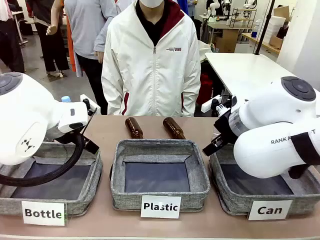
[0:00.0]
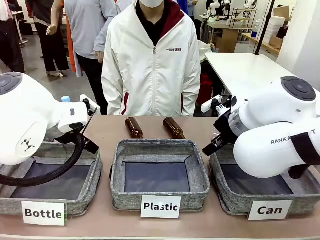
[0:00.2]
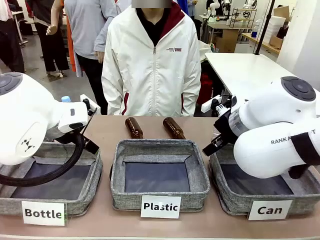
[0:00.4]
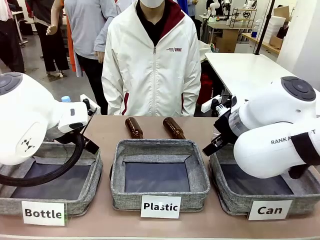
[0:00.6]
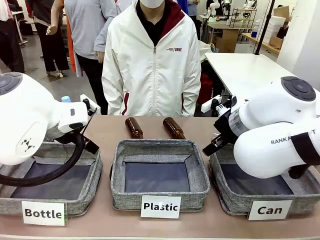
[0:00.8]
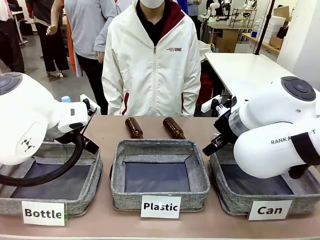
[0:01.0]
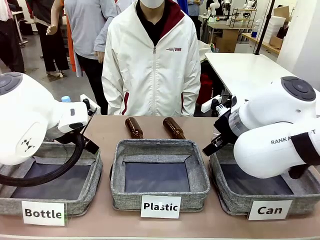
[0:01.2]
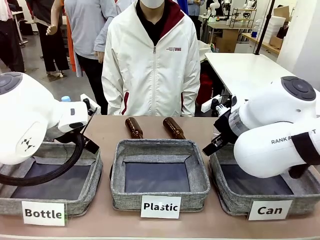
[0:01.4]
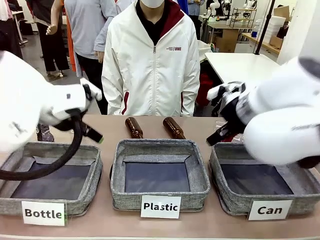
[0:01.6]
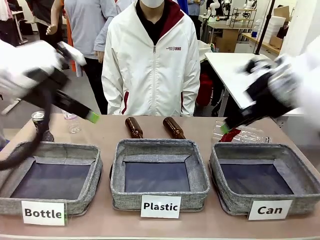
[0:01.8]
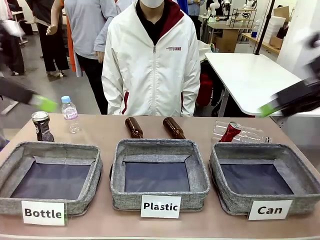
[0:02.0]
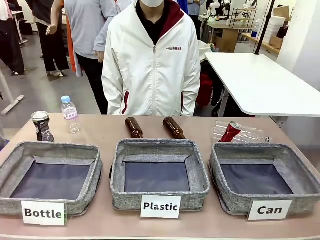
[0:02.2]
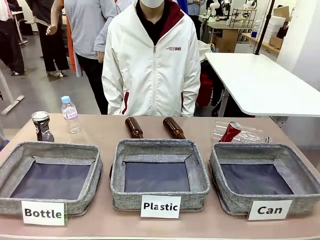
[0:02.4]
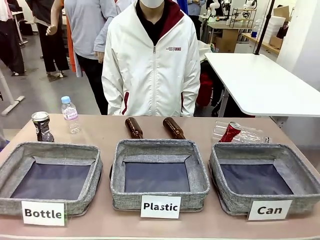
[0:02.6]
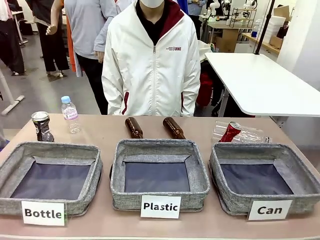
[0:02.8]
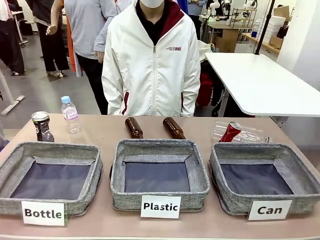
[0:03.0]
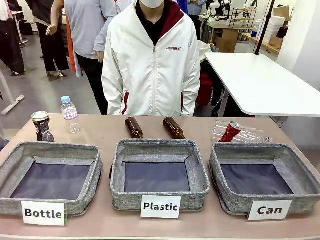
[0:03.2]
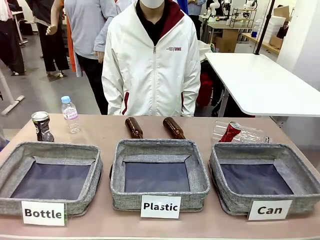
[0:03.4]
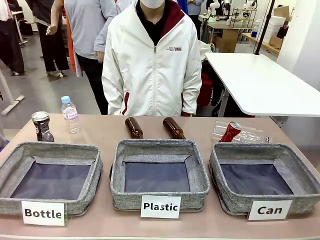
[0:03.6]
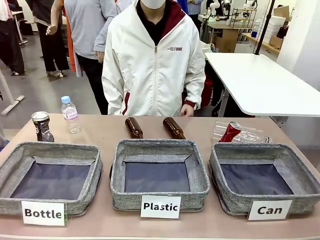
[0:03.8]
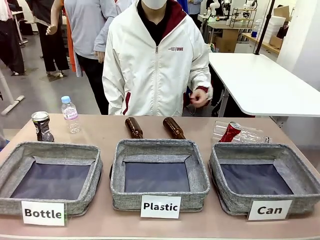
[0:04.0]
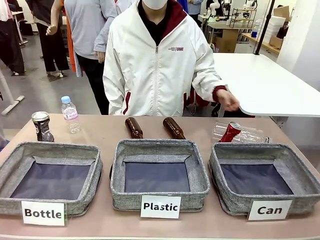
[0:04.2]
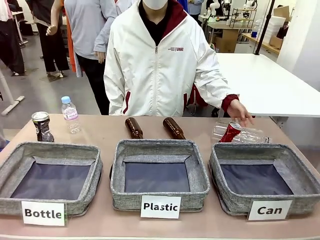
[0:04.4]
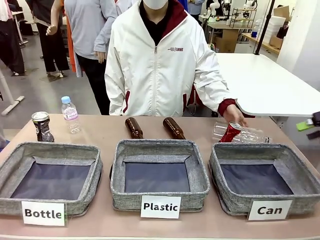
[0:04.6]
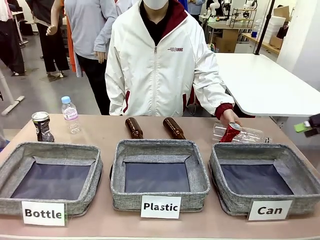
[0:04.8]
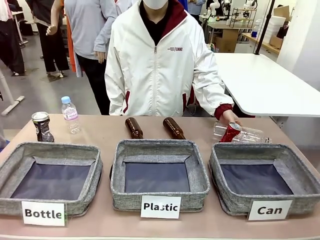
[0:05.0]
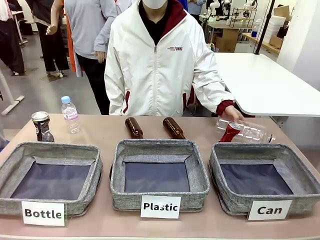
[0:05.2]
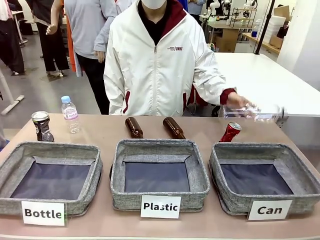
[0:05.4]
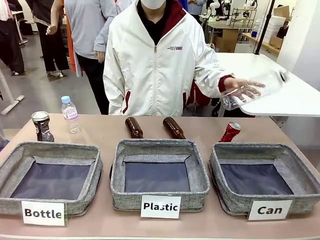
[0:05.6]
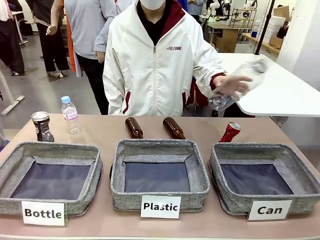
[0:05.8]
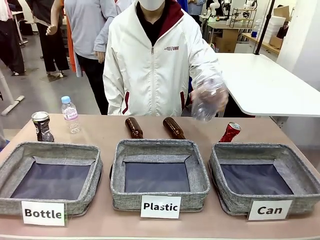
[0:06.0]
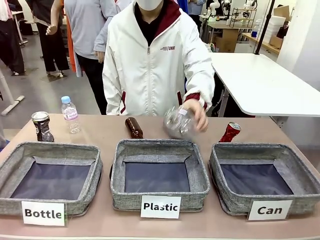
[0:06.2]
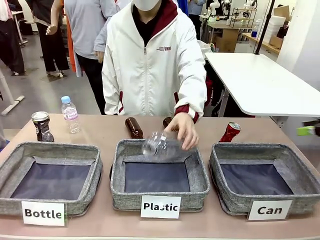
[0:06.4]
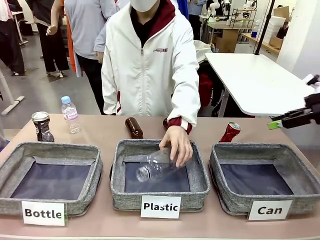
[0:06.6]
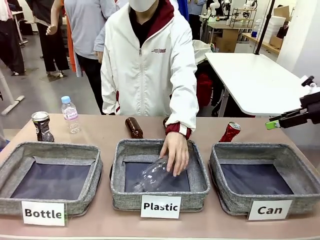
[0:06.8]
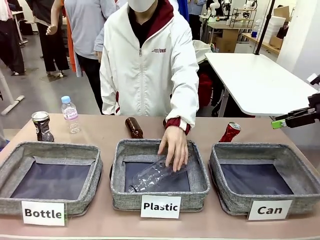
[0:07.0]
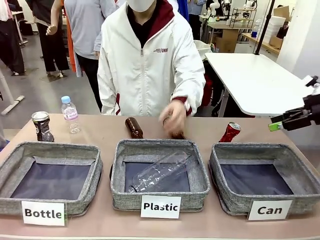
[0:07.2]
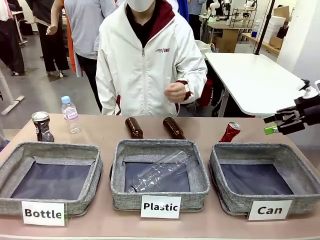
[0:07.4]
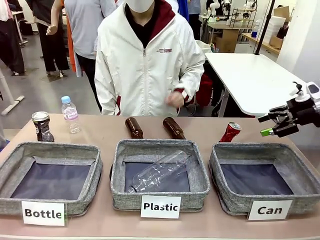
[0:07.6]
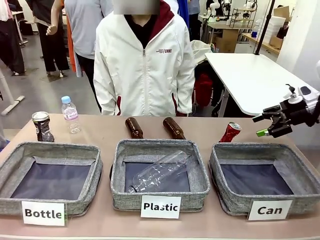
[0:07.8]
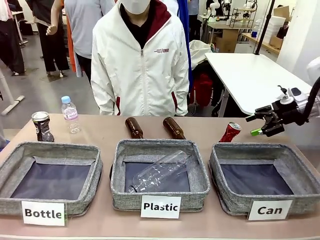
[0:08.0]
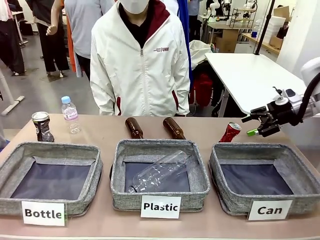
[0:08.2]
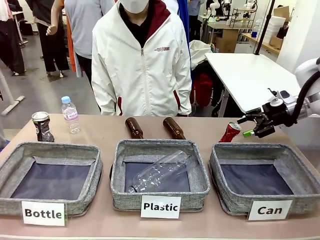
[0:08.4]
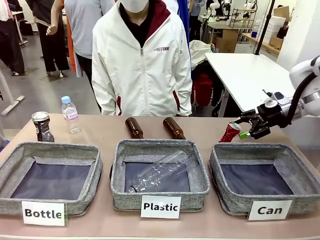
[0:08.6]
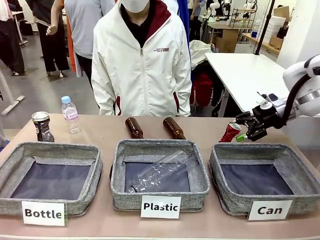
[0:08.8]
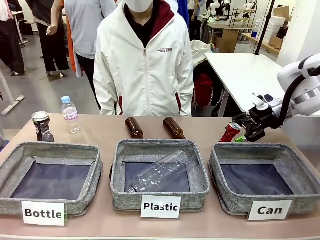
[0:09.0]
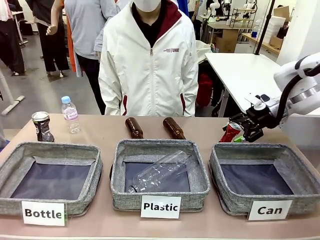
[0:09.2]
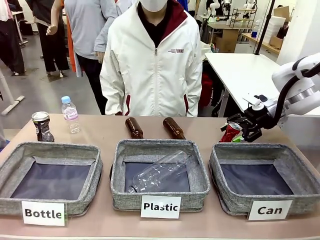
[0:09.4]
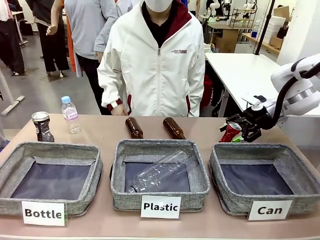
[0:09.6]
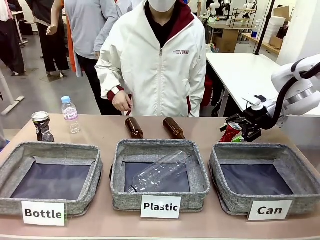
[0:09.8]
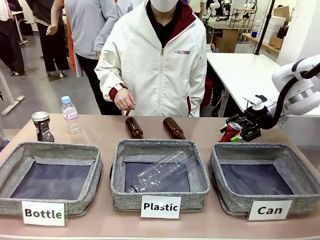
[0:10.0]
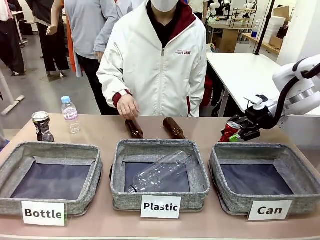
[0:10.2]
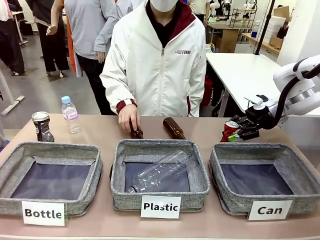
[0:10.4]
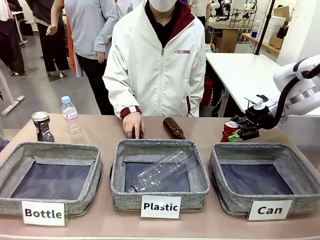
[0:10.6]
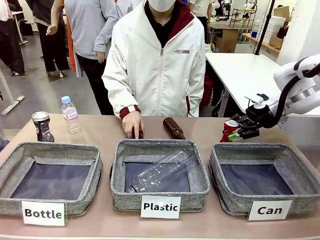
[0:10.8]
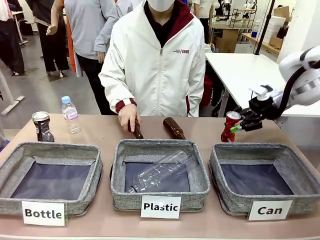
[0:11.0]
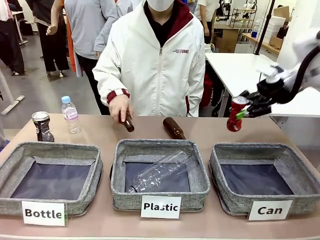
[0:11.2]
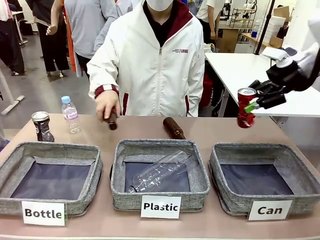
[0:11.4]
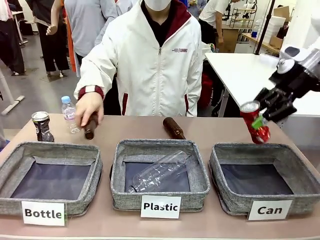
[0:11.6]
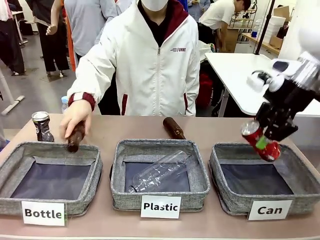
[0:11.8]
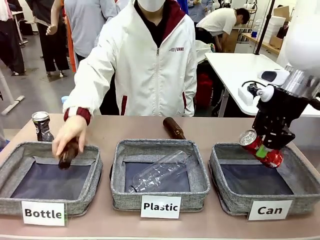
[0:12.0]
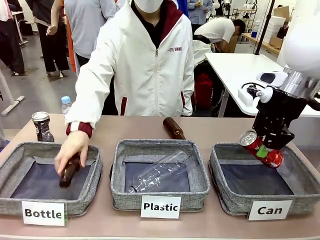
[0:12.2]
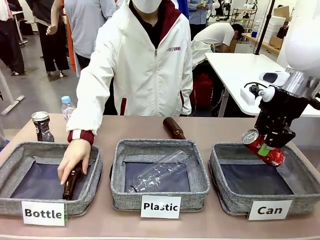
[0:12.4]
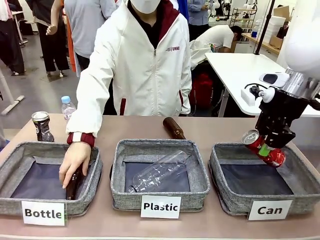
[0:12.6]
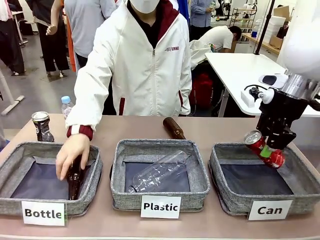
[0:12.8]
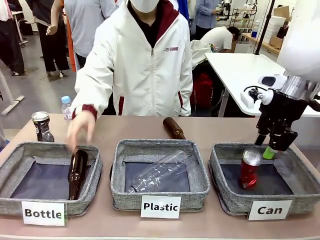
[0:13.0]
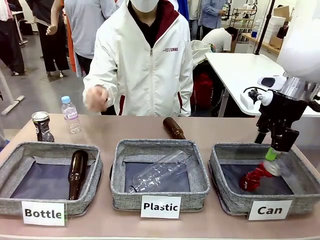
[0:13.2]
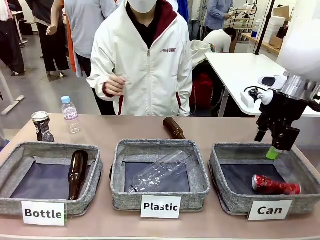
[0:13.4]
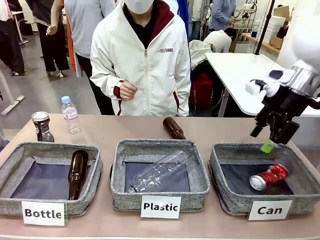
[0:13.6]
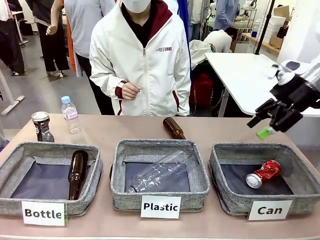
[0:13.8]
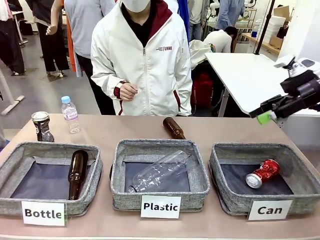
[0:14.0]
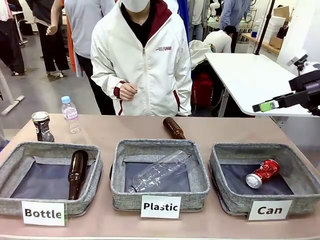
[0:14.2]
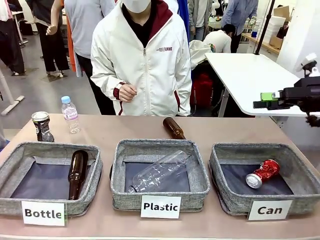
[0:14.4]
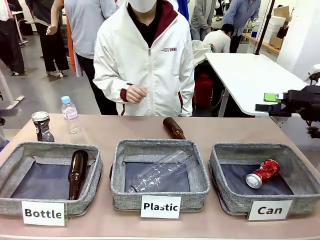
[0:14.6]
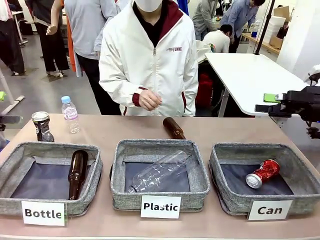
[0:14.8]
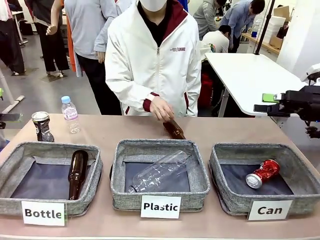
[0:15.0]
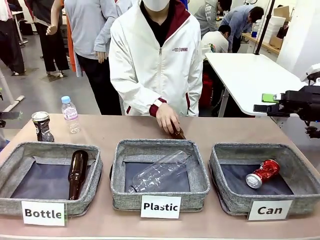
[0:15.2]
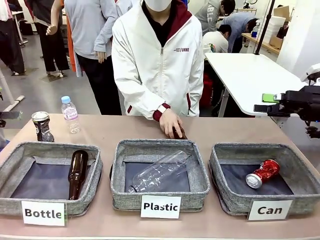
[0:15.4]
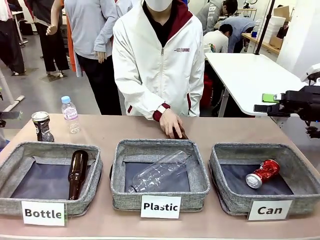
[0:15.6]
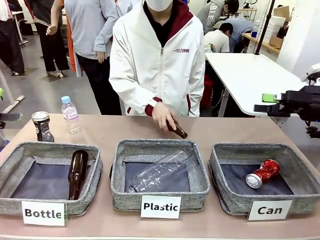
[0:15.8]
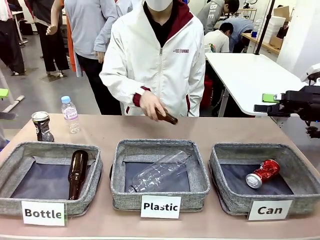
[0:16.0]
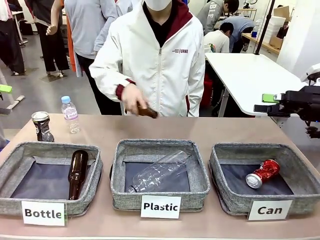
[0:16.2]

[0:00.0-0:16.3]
Task: Sort the can waste into the basket.
Robot: Pick up the can waste from the table and place it in the right Fabric basket.
